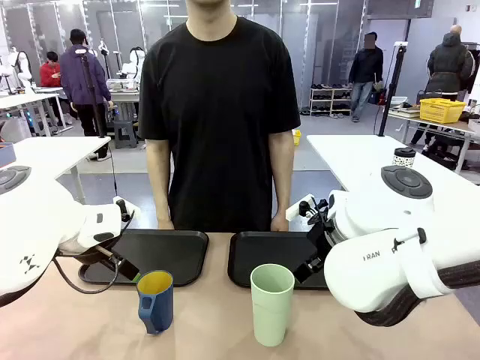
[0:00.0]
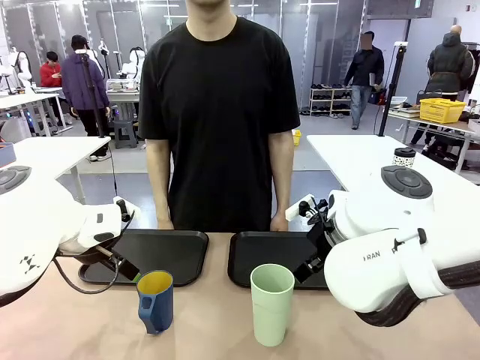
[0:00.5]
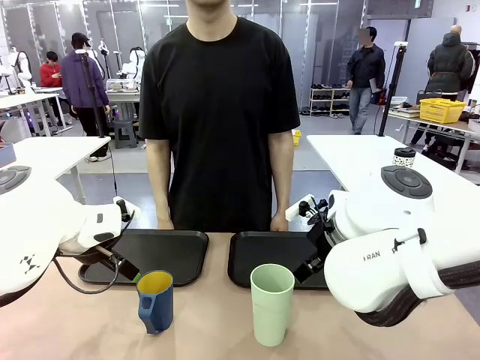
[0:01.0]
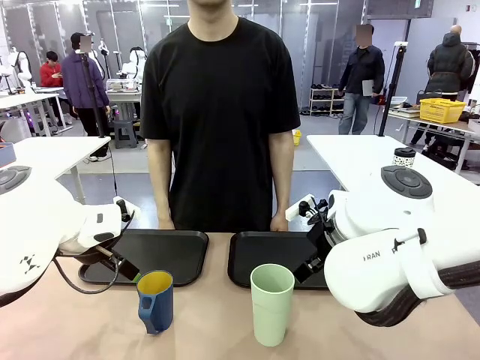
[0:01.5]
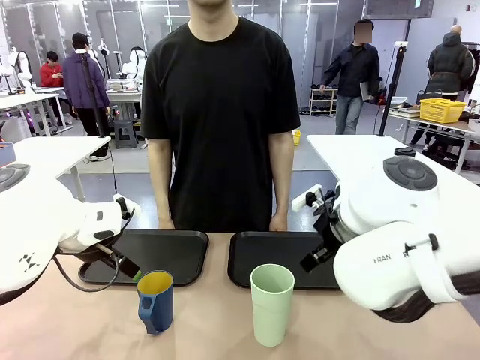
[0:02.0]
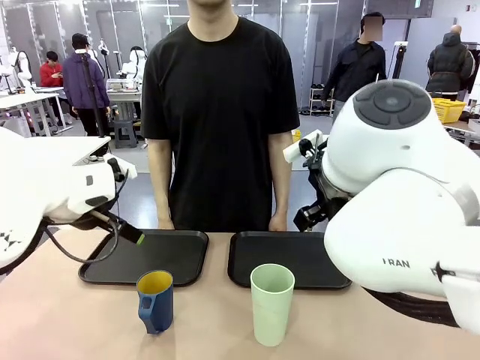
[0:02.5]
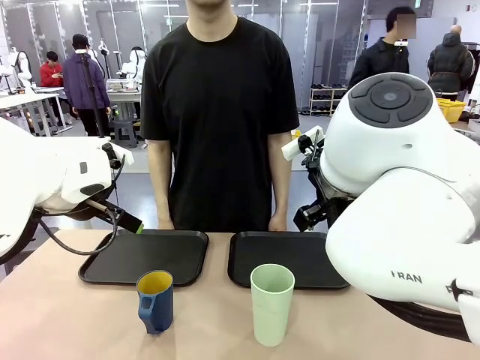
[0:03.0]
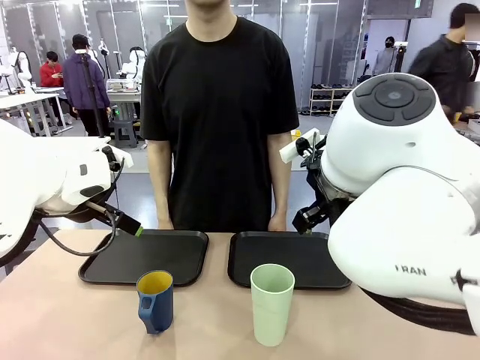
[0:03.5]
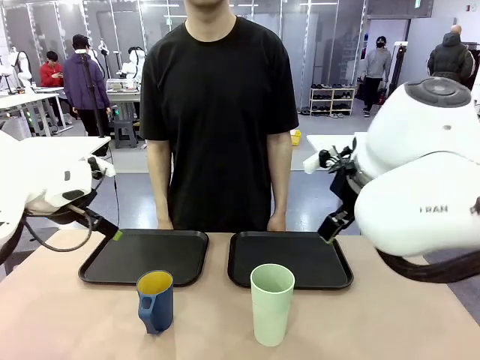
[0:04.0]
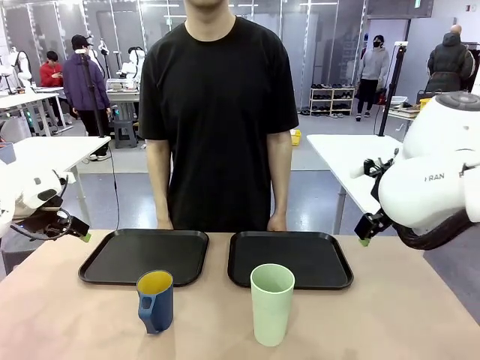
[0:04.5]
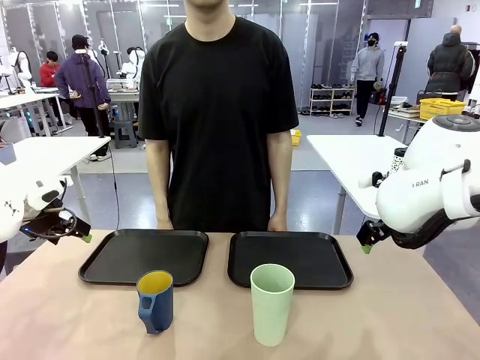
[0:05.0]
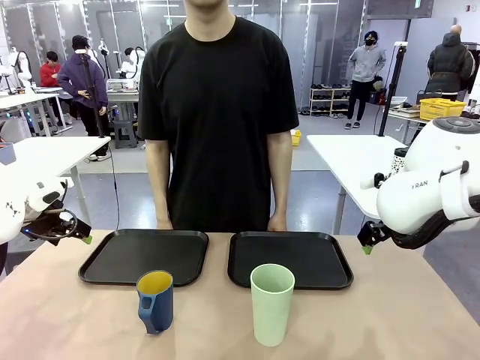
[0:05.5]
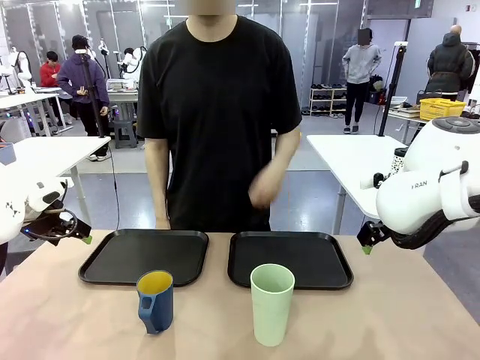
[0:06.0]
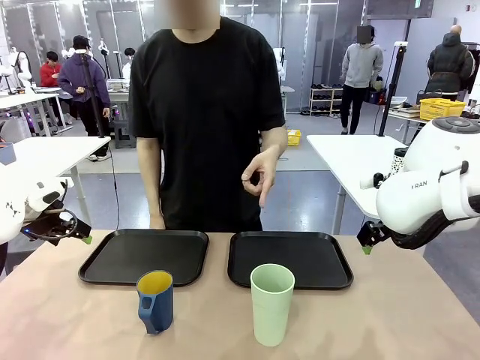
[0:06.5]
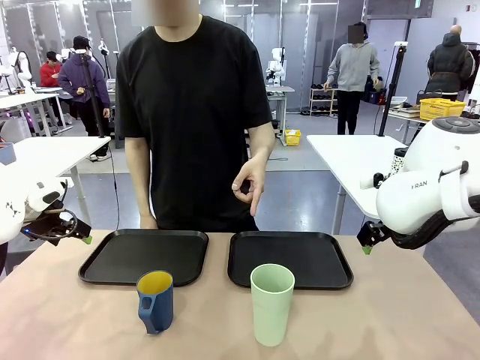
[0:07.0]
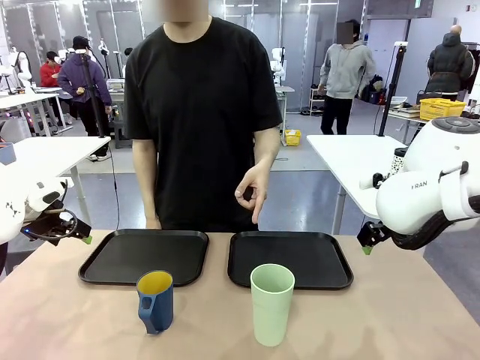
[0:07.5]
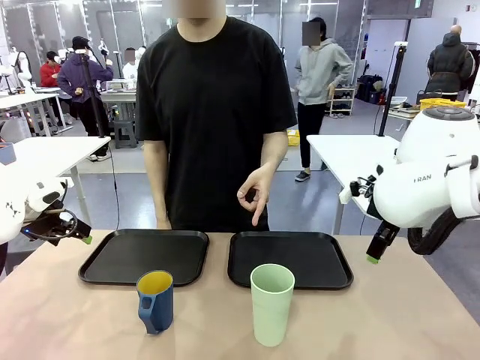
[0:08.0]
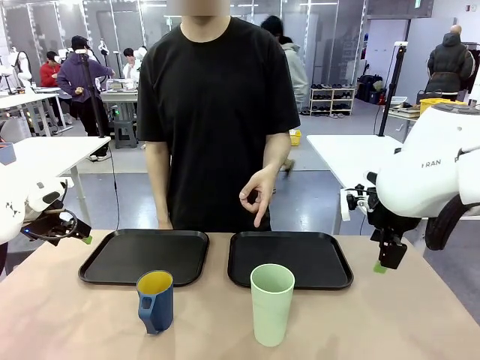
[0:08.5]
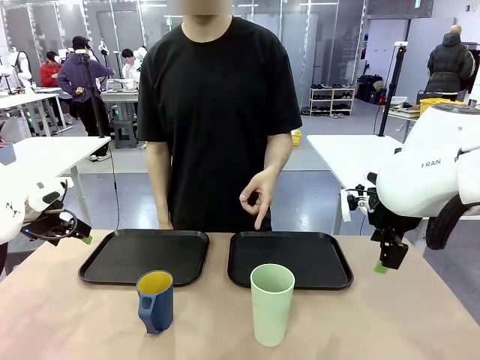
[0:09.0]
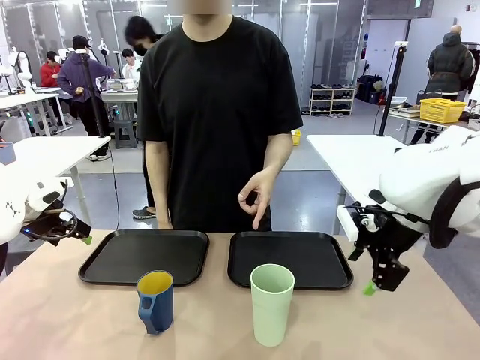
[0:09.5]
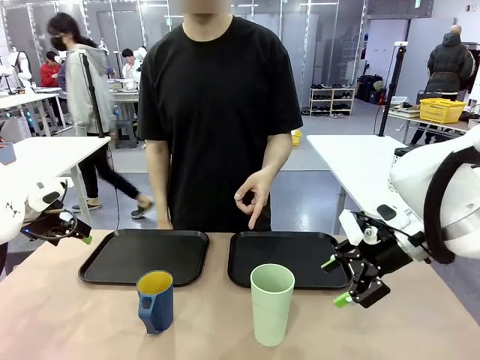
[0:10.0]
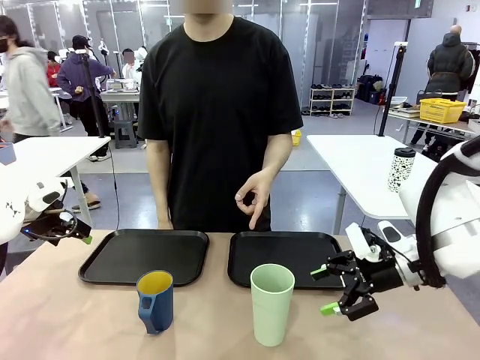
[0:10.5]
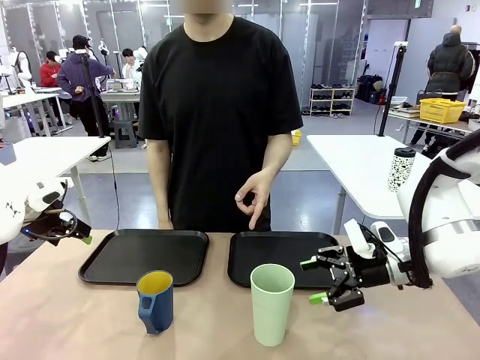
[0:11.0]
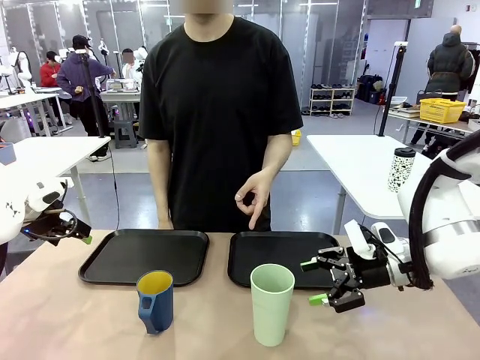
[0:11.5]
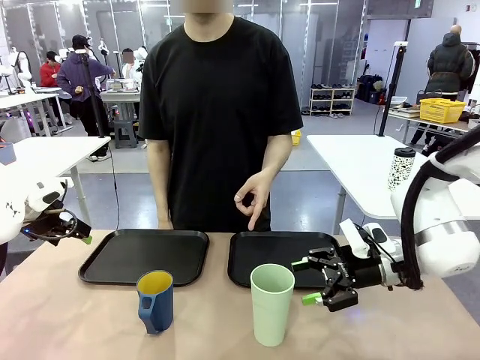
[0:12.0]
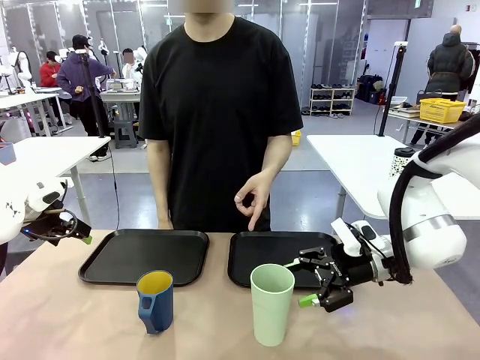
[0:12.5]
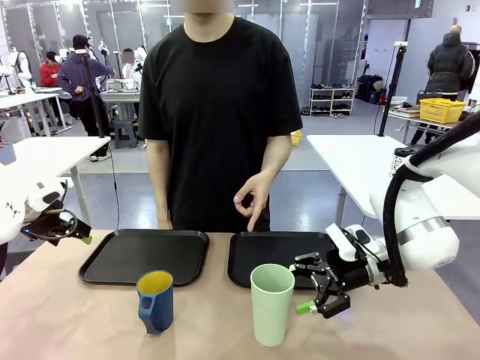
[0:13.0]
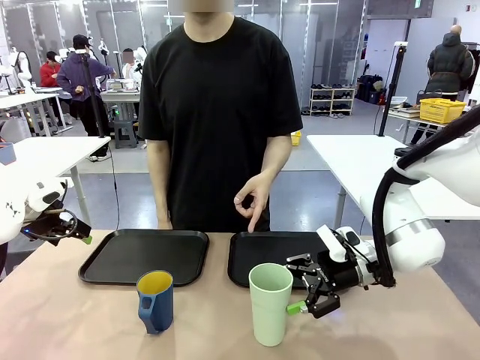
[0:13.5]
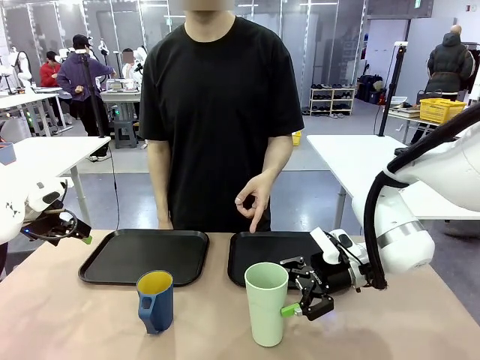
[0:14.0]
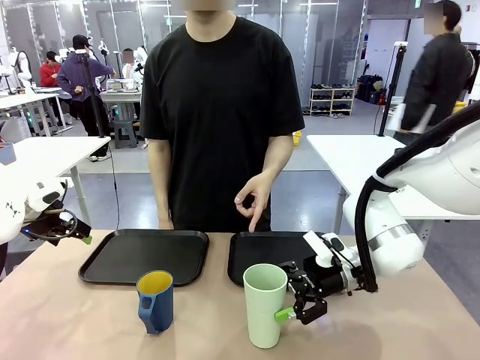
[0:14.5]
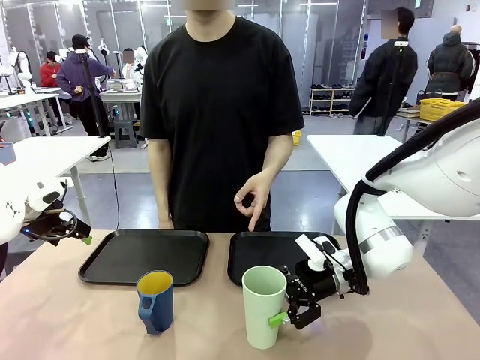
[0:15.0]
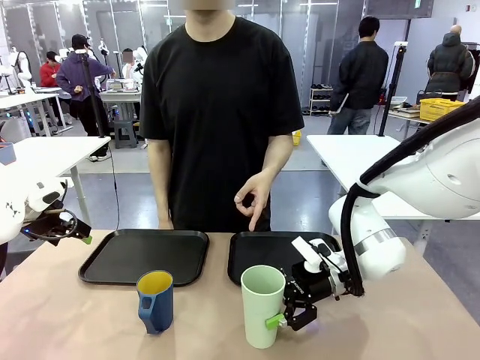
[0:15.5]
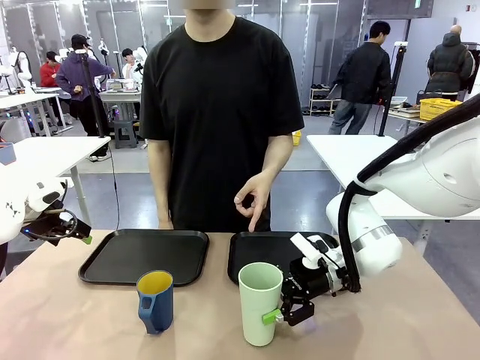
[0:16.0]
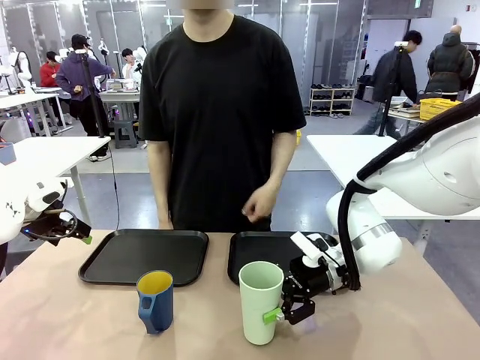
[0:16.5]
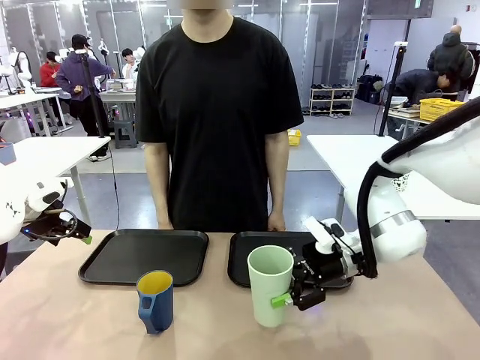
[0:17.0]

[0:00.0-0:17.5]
Task: Sort and store the cups by type.
Robot: Pick up the Reusable plastic cup.
Person: Points to the reusable cup. Point to one of the two trays.

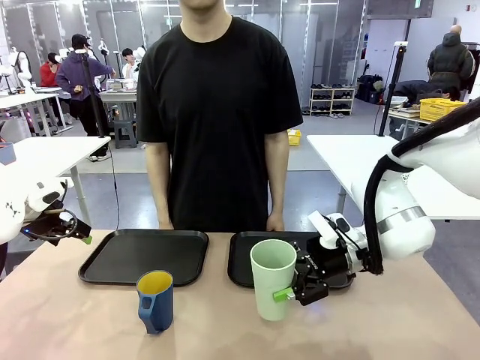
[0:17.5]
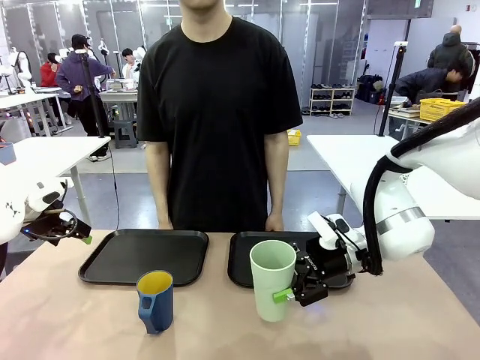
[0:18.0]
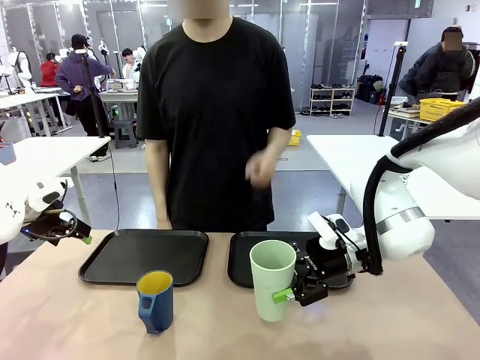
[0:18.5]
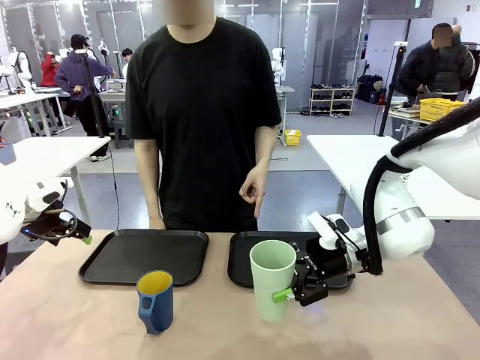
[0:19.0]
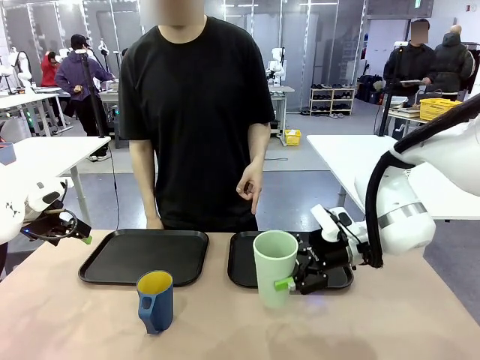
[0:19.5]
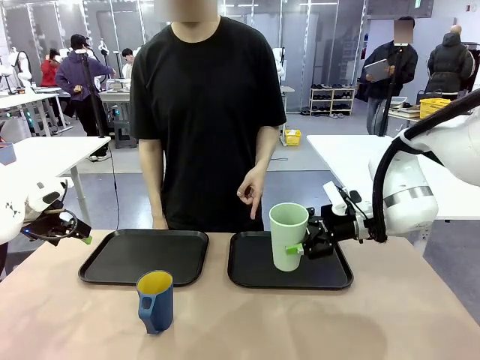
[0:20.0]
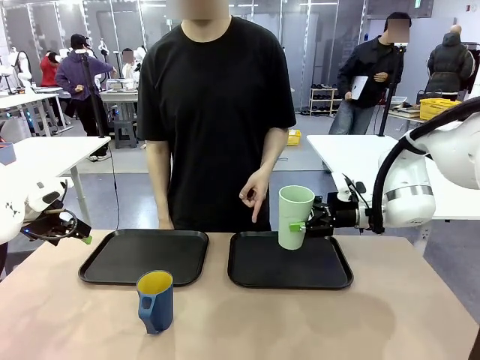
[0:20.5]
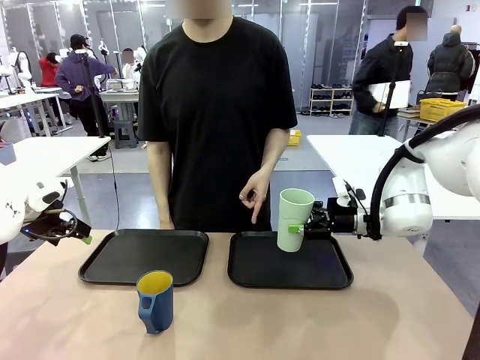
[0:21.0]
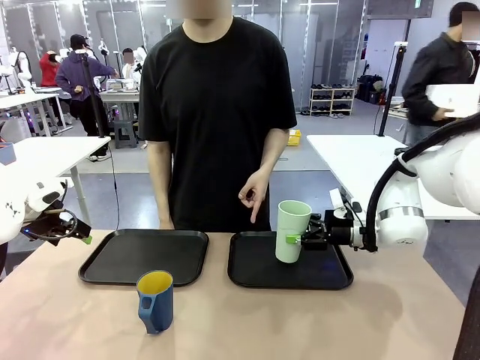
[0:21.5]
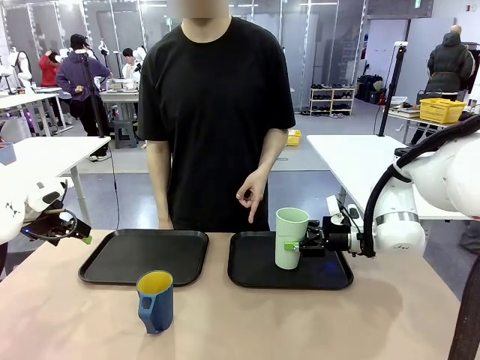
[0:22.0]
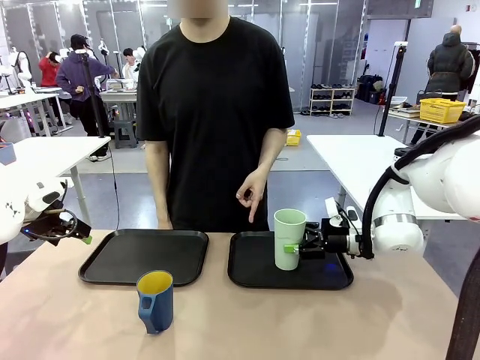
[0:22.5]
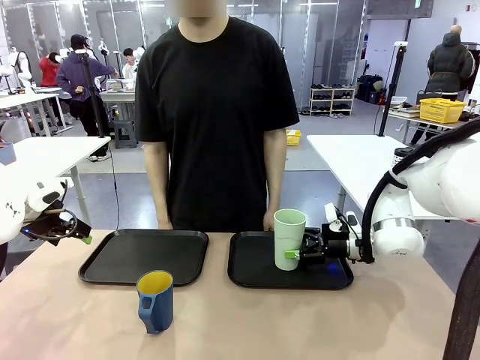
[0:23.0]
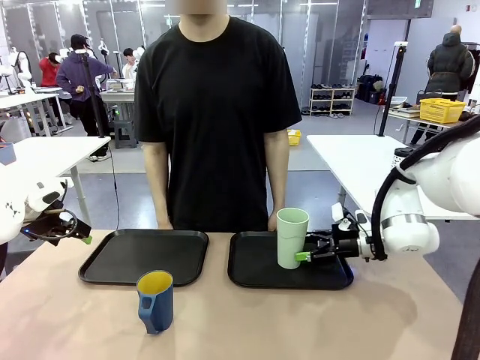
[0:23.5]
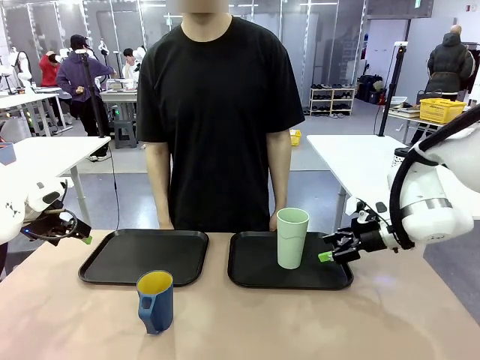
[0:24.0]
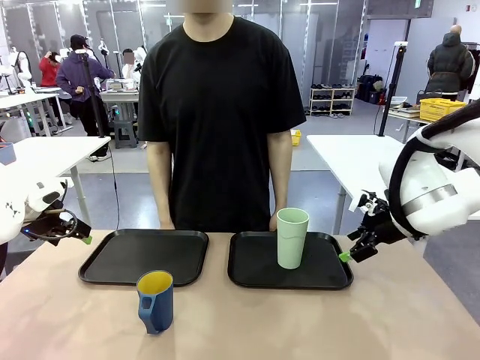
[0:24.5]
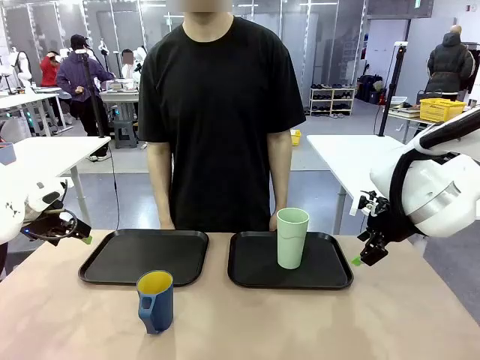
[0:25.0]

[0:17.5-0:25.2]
Robot: Place the picked Reusable plastic cup into the Flat Tray indicated by the person.
